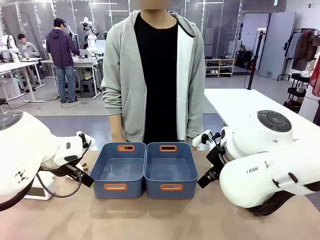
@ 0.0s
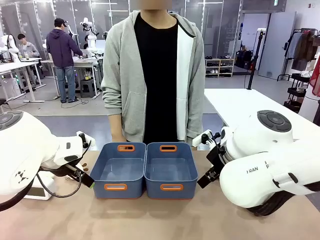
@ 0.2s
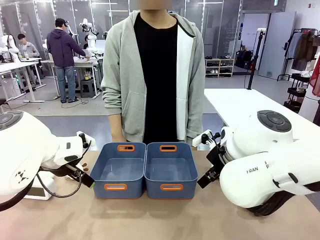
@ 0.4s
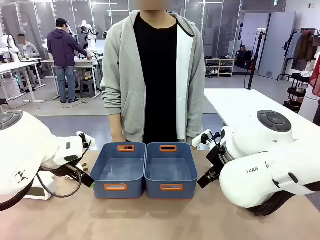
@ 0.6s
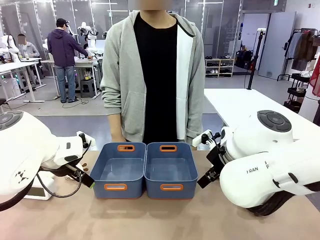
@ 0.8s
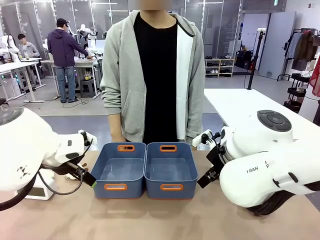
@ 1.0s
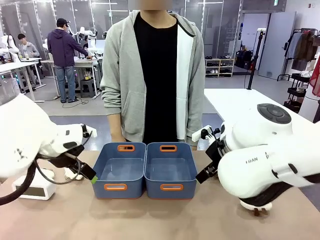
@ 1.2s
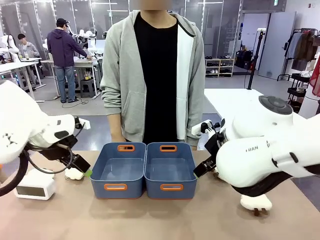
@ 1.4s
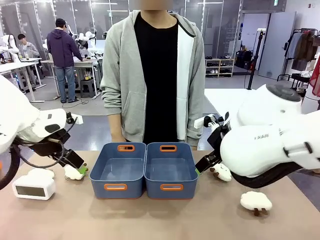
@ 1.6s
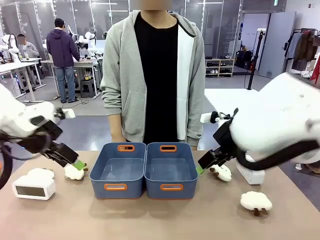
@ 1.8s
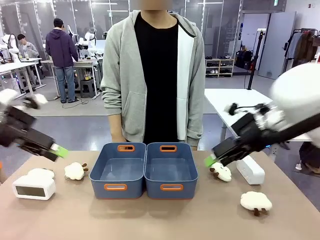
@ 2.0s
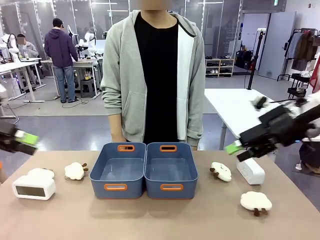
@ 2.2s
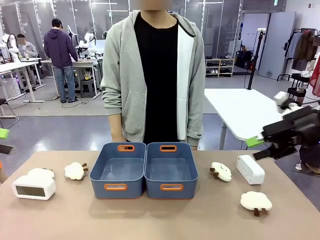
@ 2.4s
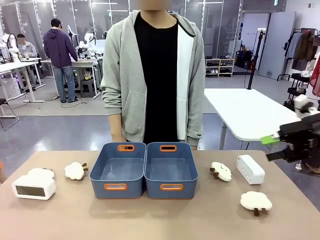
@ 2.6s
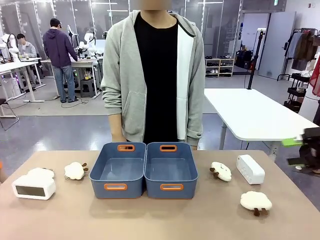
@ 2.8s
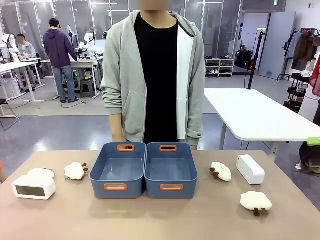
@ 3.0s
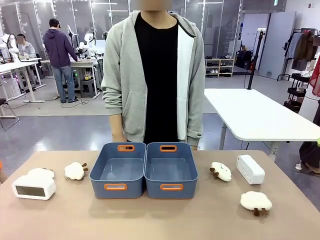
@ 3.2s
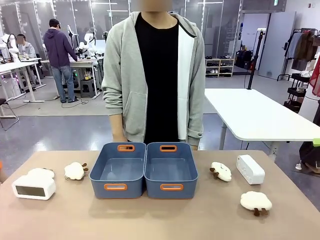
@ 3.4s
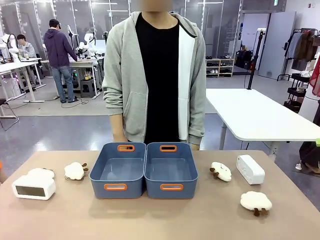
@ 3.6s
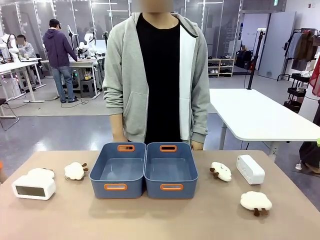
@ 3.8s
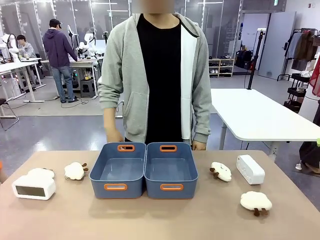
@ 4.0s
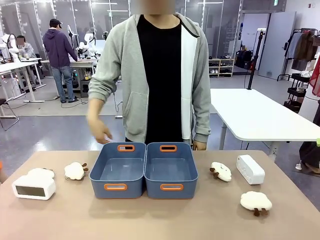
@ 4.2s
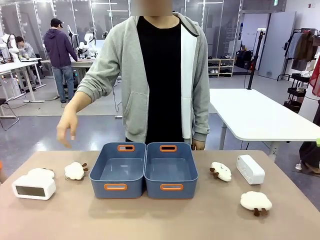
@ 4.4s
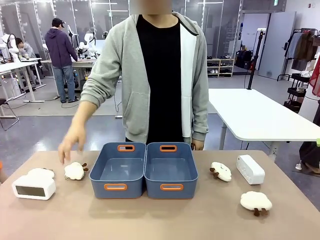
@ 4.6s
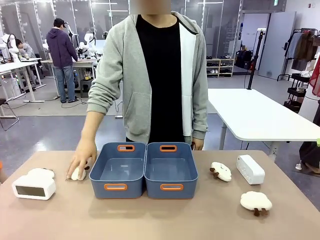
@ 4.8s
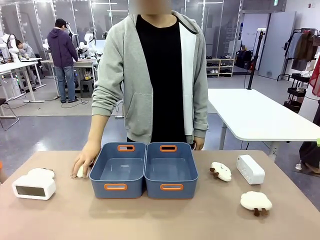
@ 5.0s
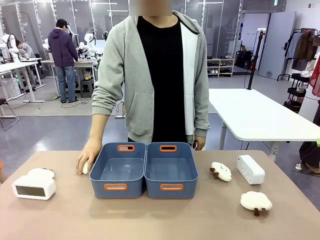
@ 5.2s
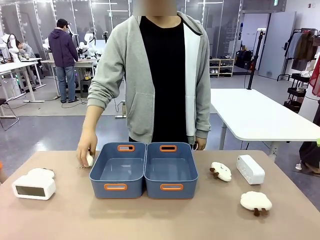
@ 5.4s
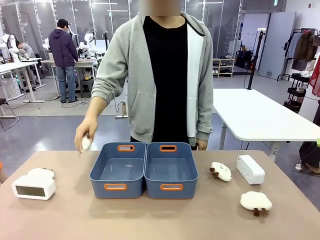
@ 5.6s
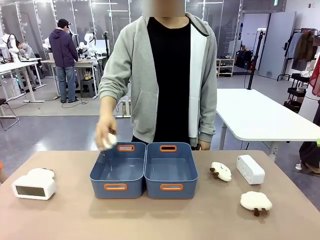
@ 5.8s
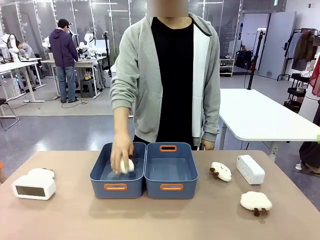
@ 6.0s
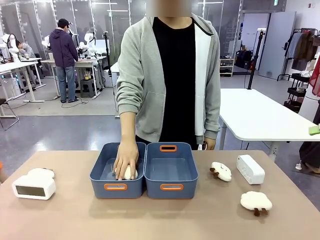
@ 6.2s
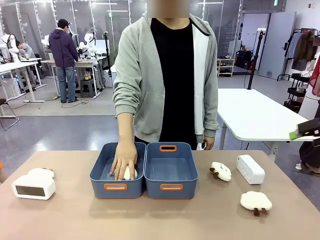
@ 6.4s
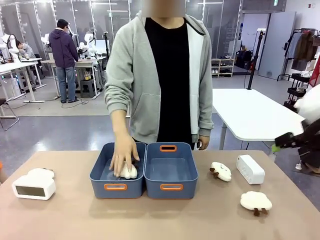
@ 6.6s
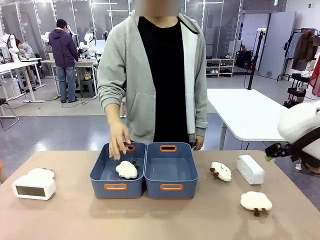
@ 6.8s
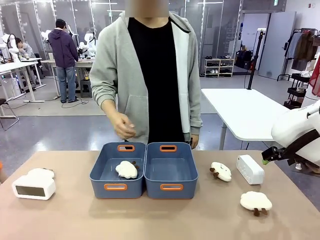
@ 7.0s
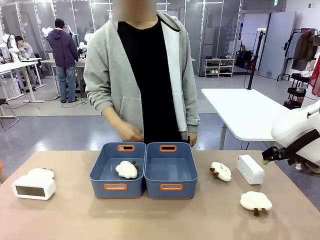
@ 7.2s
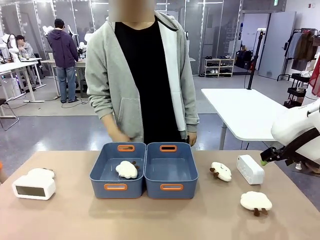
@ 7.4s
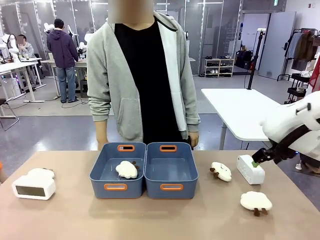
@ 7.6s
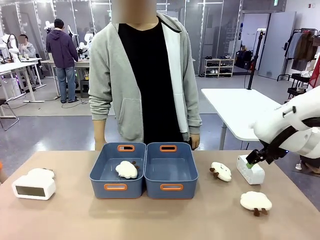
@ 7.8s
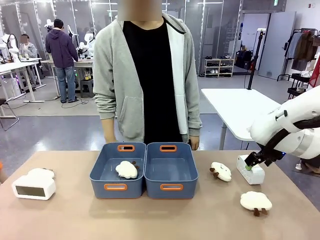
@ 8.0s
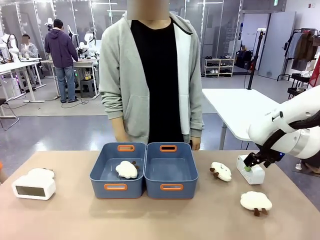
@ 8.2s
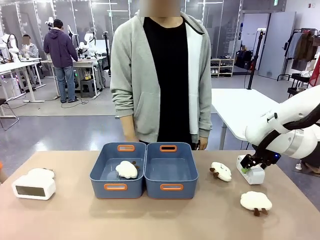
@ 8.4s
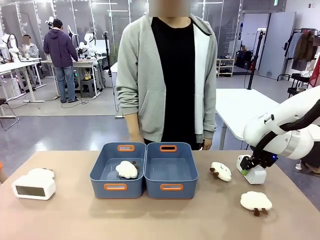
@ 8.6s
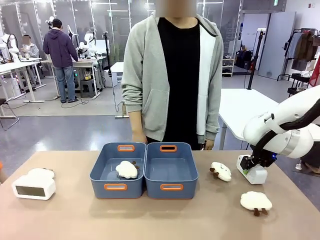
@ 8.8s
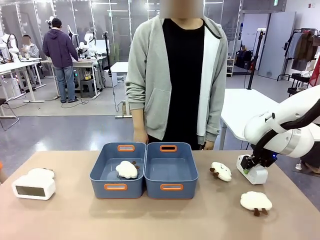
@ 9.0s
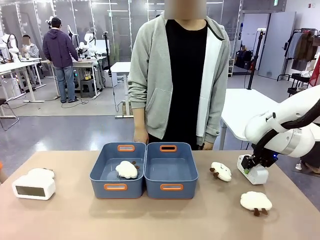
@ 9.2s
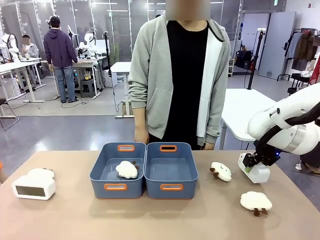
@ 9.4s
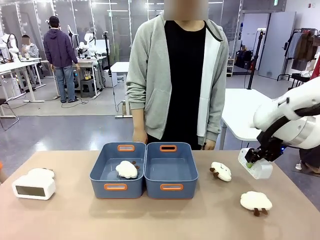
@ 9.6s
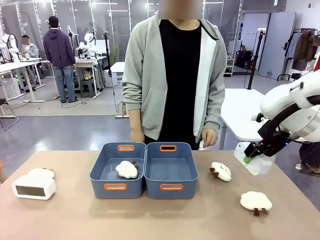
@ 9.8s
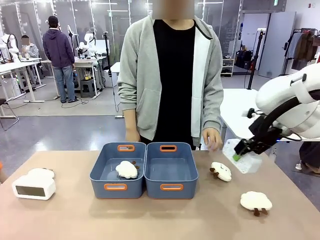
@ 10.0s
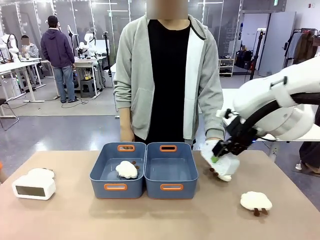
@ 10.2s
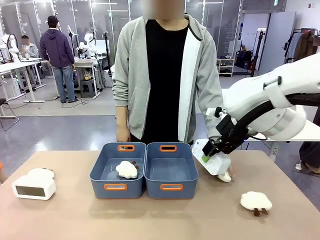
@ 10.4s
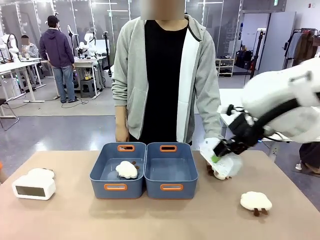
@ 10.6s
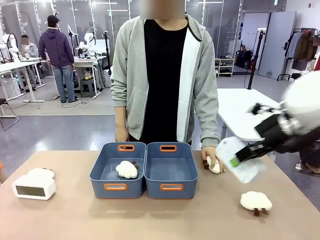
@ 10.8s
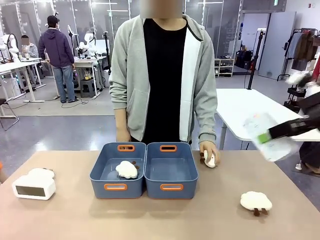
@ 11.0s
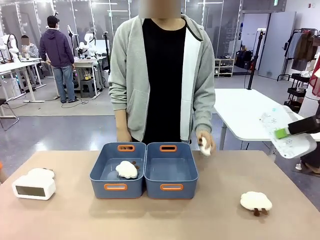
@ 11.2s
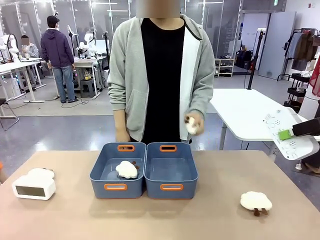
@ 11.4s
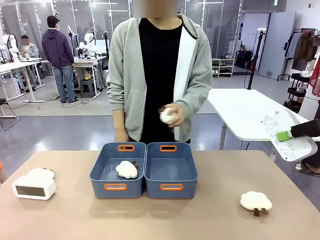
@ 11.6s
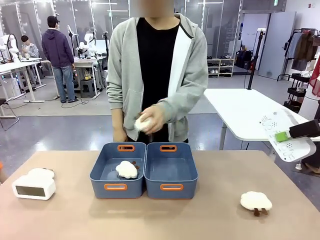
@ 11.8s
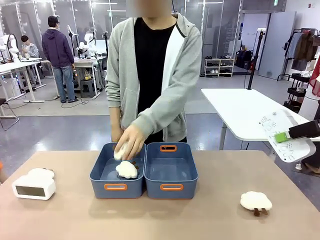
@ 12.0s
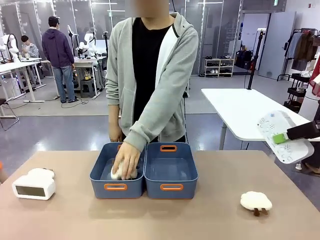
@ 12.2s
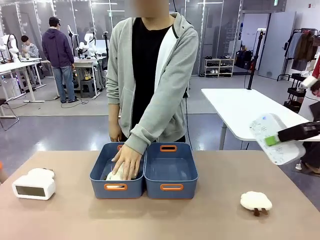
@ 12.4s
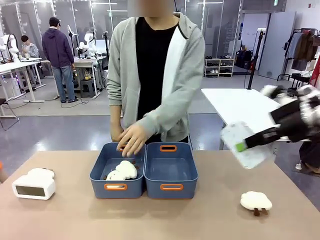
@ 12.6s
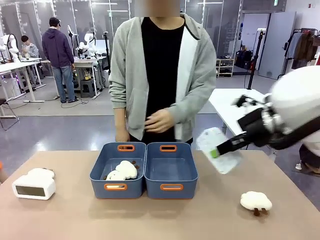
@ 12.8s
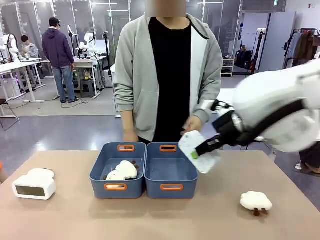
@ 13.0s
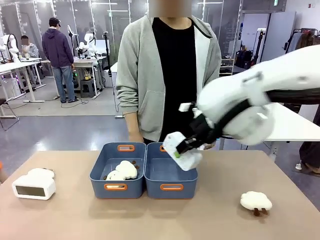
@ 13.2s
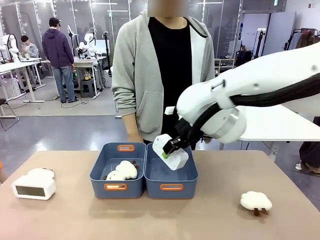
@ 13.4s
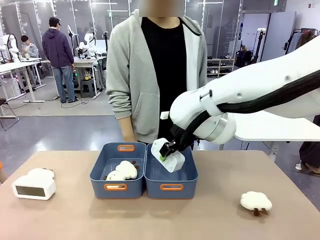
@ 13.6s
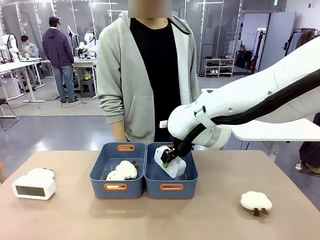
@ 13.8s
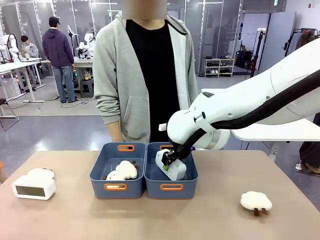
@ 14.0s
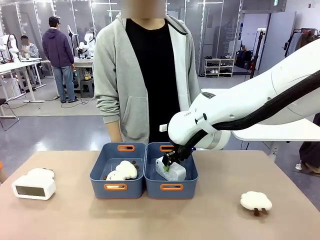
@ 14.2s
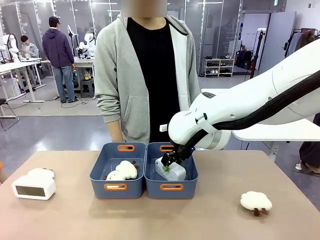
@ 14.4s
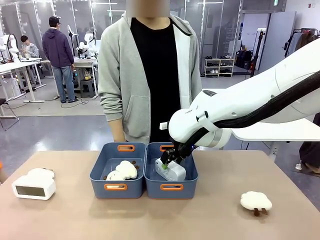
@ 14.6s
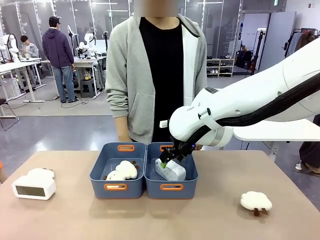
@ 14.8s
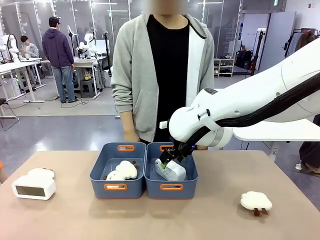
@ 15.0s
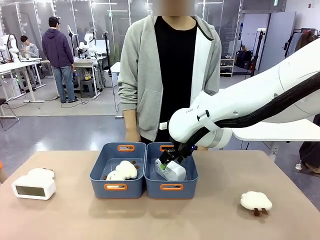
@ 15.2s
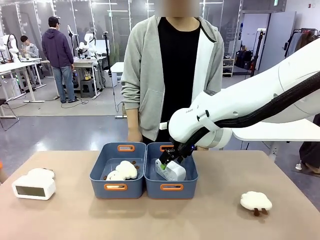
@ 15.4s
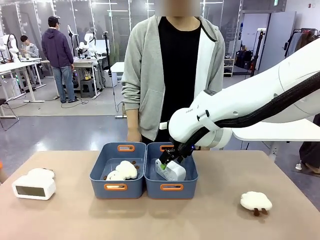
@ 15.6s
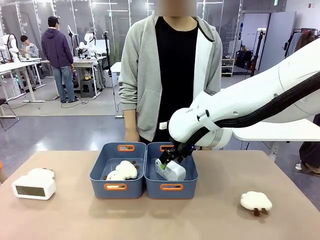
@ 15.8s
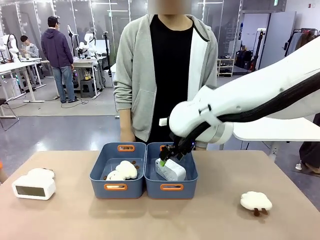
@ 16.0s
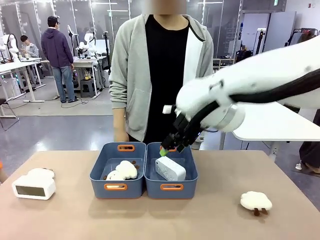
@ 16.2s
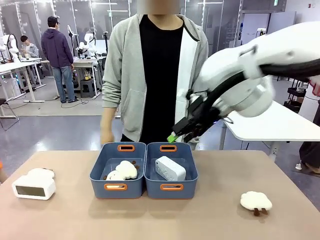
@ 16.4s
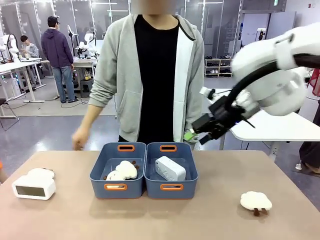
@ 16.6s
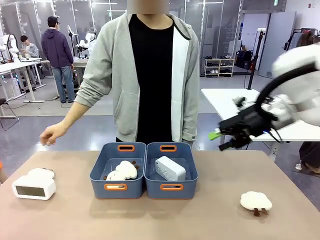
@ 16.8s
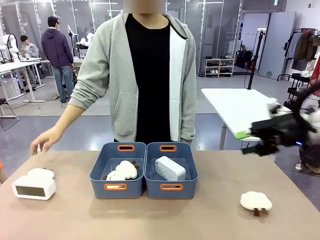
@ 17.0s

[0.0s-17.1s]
Task: Sort the digital clocks into the basket.
Robot: Pick up the Digital clock from the table and place it into the empty Plastic storage basket.
Person: Pick up a plush toy from the table and place it in a plastic storage basket.
